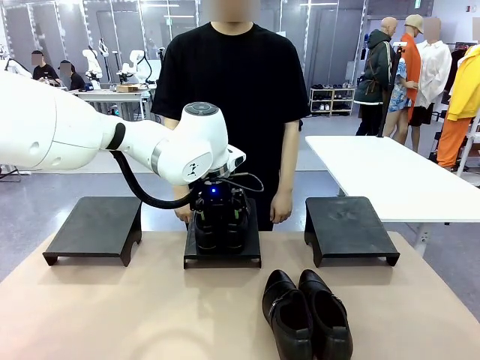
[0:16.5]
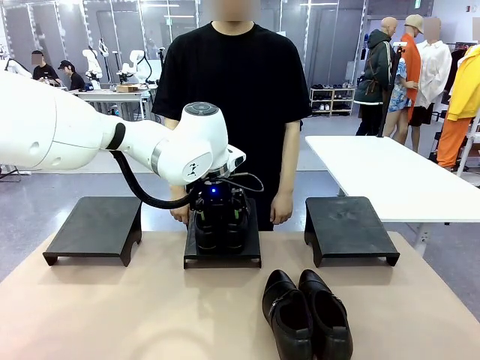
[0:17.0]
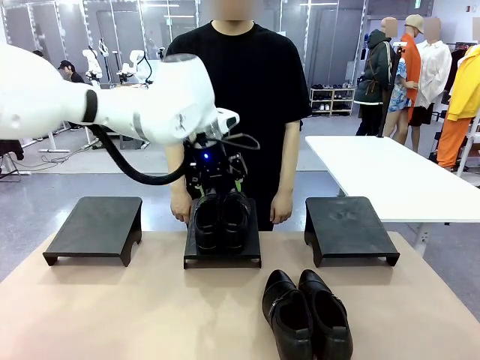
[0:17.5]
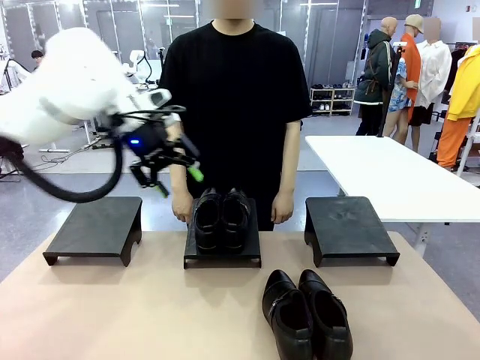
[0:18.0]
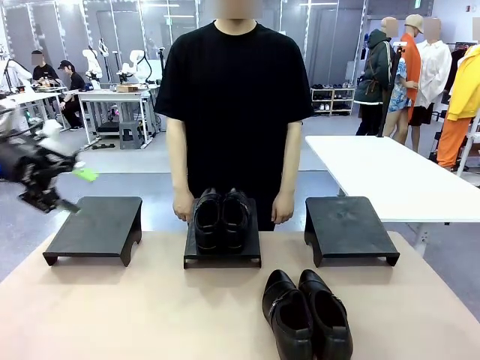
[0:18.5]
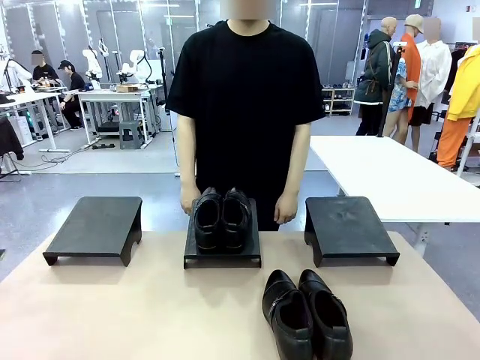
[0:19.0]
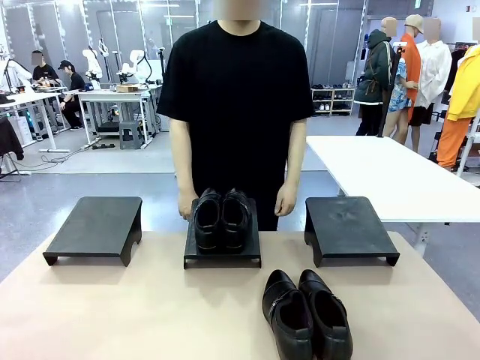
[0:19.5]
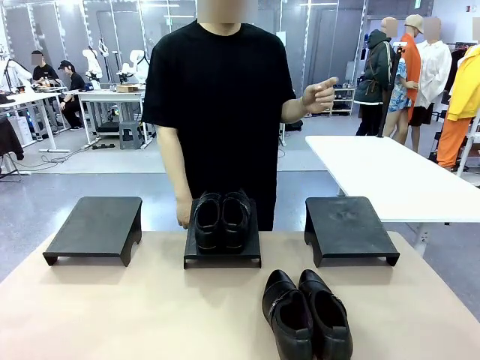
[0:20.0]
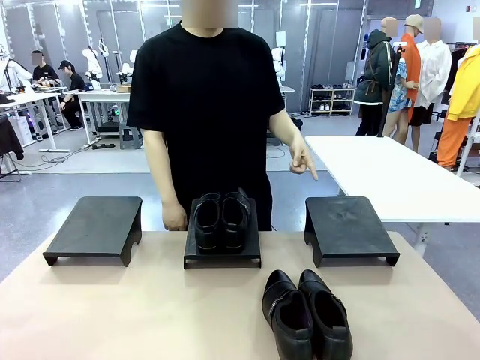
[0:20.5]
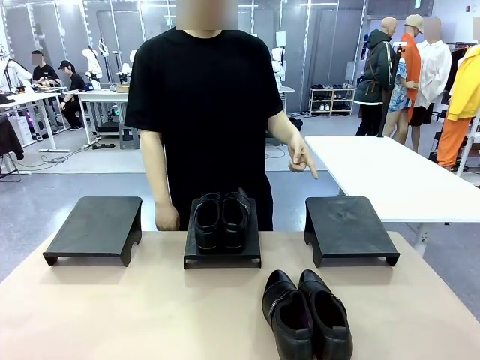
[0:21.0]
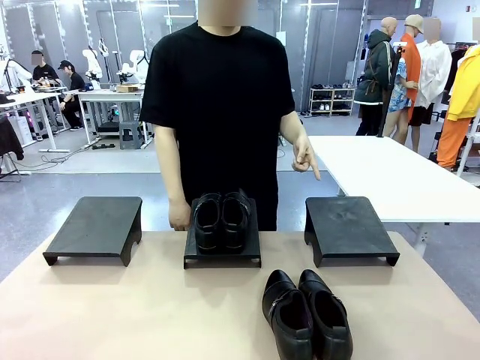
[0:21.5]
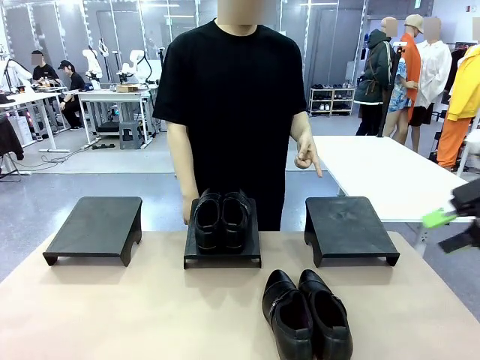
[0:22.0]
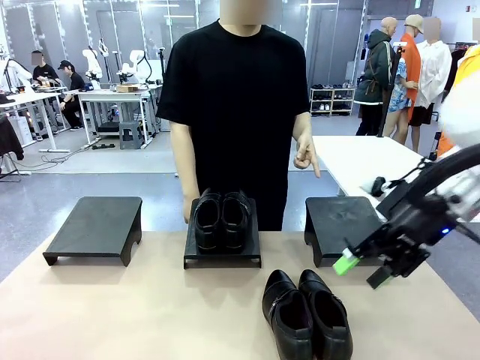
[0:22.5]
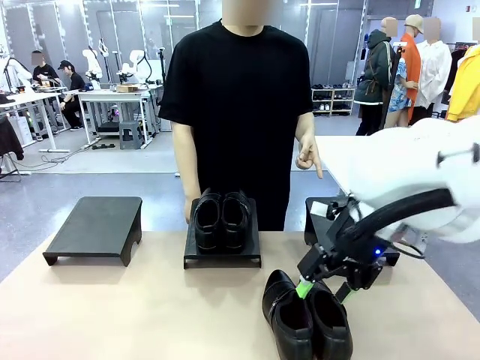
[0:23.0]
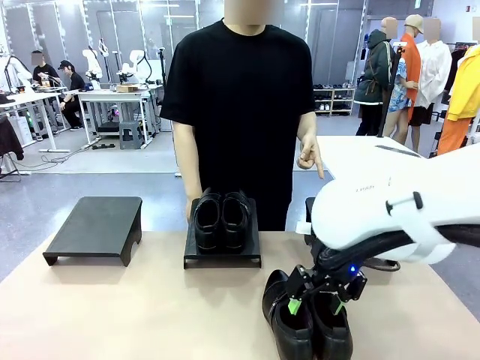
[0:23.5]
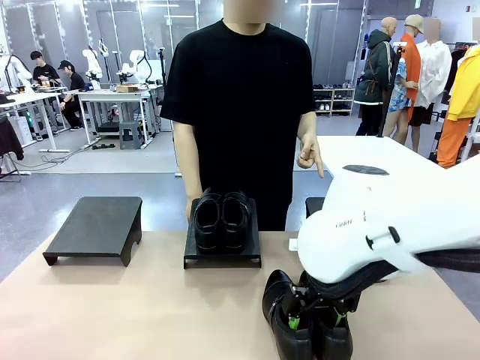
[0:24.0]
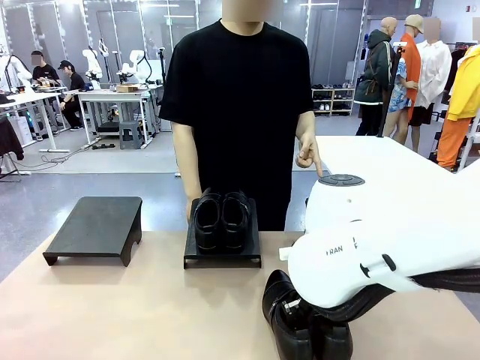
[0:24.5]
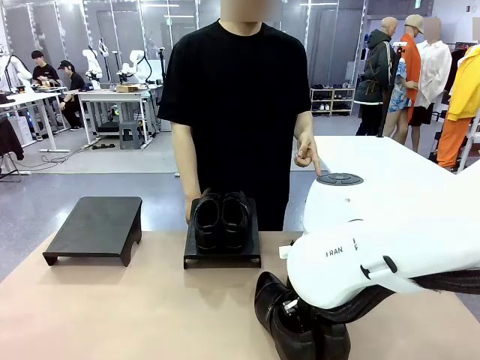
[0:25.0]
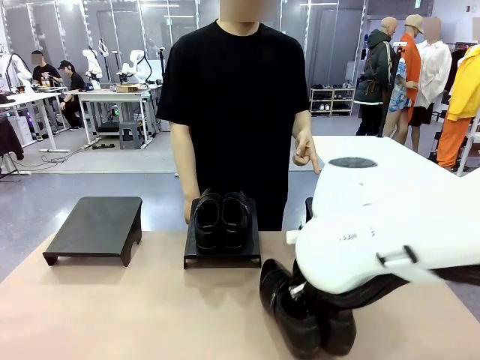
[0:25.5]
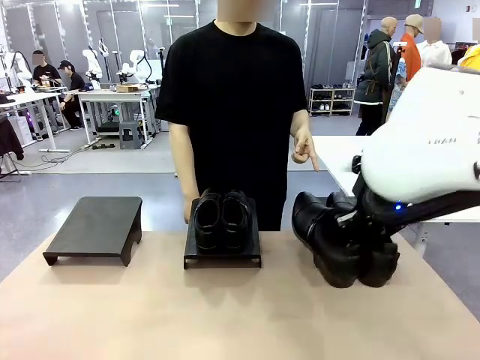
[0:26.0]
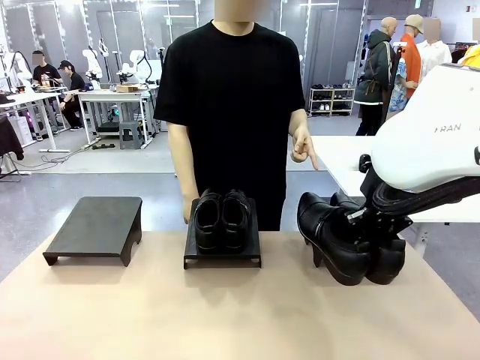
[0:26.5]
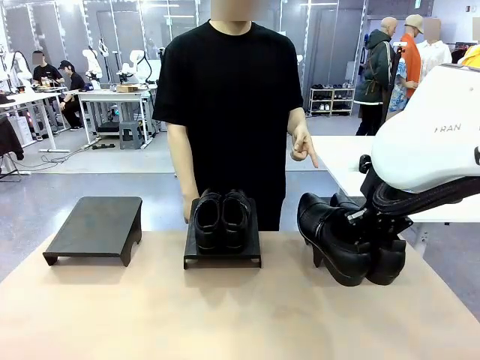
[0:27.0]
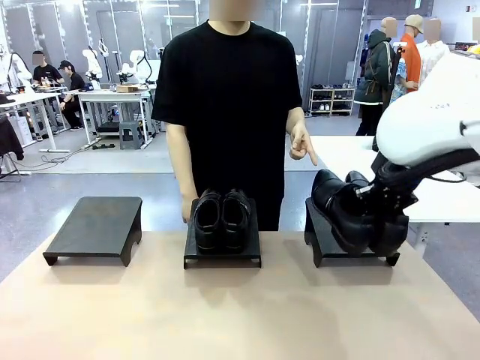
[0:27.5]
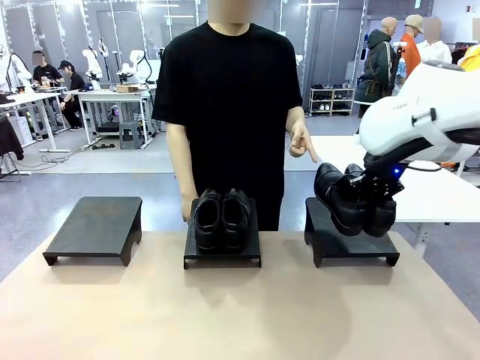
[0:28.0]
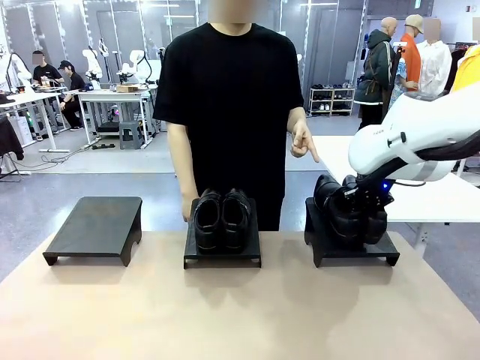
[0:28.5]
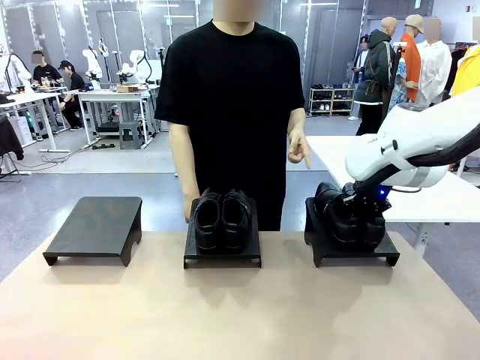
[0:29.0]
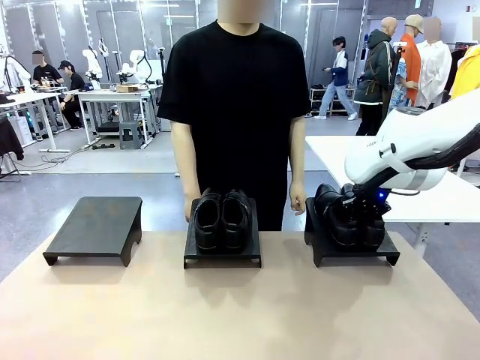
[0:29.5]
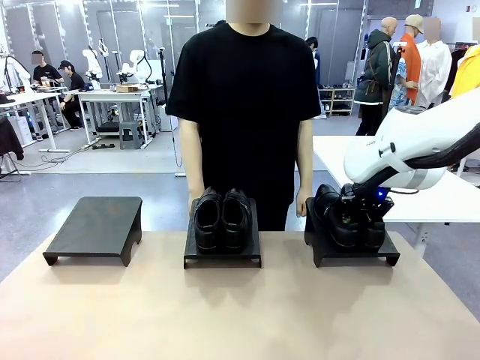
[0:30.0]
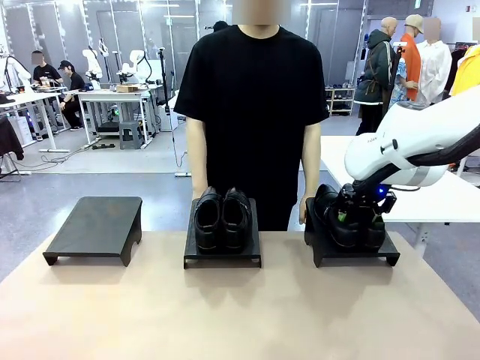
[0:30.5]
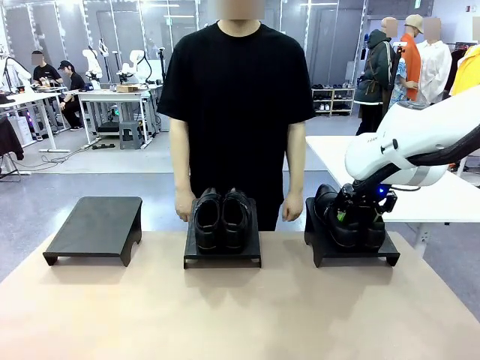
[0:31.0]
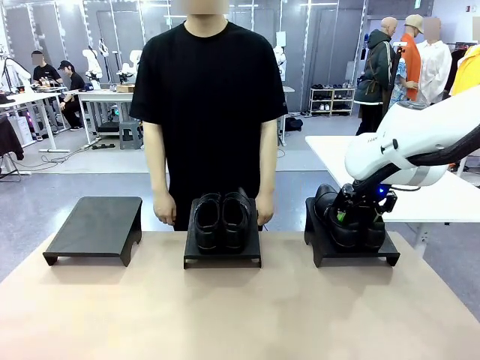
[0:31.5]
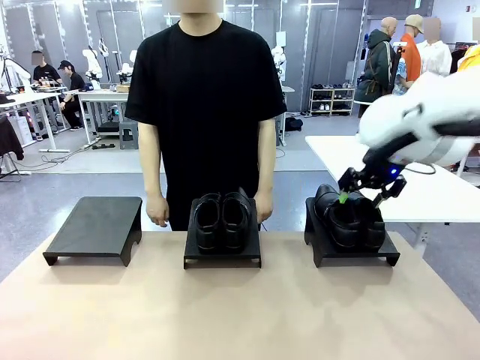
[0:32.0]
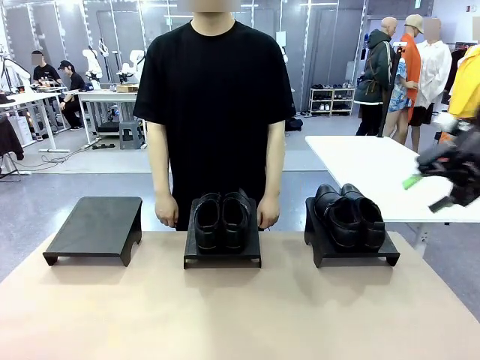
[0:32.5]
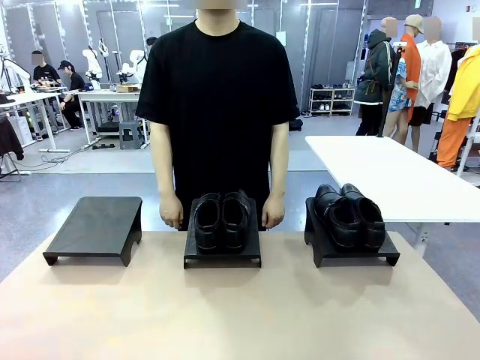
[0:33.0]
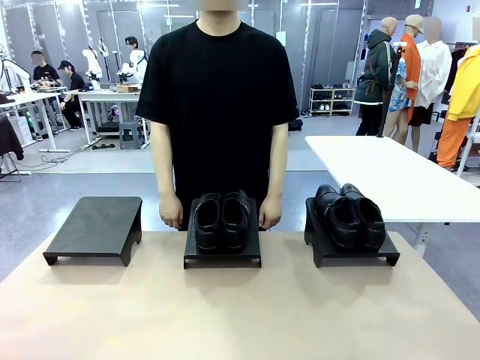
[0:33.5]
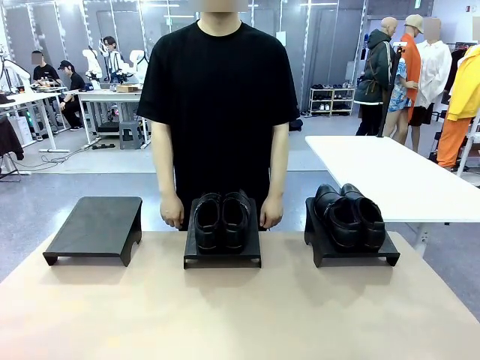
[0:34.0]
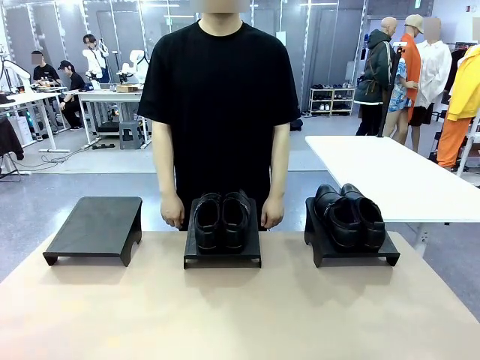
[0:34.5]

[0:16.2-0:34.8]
Task: Place the shoes on the stand as instructed by the person.
Robot: Pick up another pair of Shoes and place it on the Shoes Stand indicated by the person.
Person: Point to one Shoes Stand.

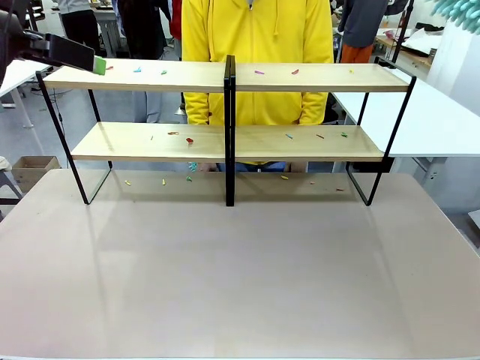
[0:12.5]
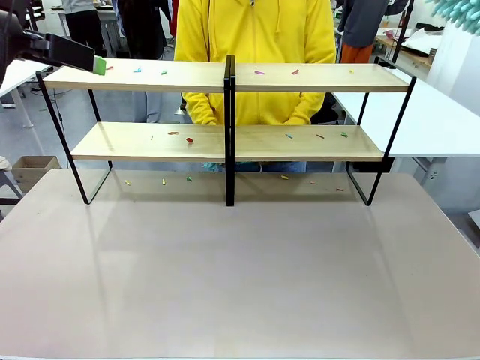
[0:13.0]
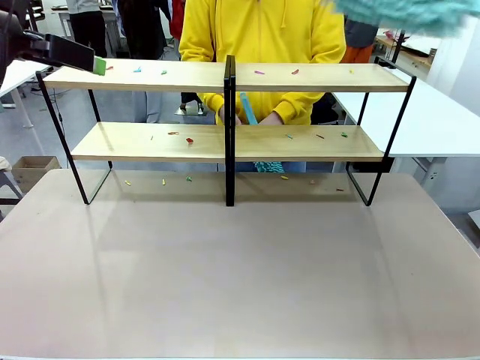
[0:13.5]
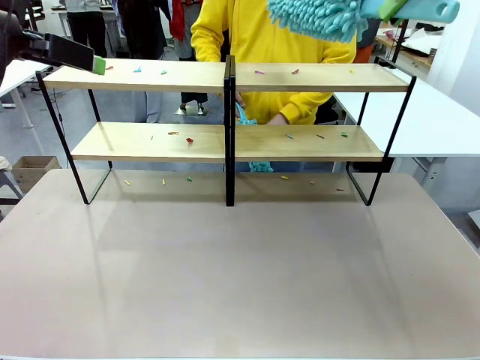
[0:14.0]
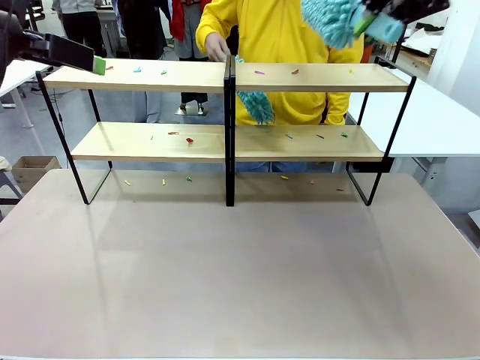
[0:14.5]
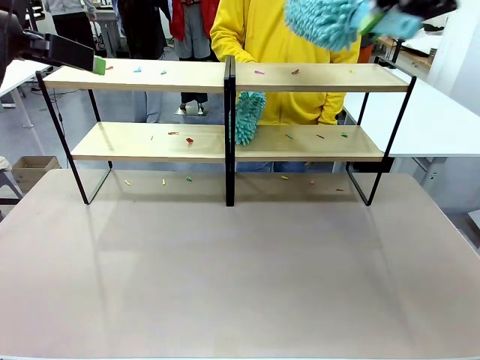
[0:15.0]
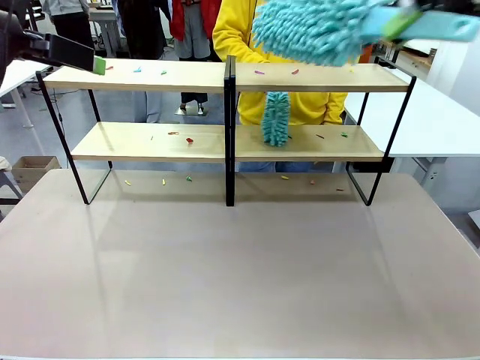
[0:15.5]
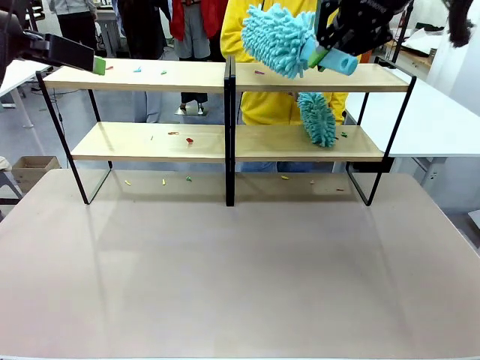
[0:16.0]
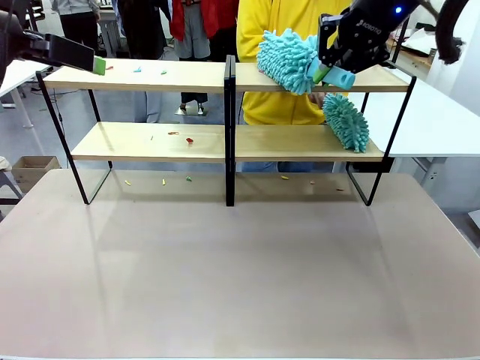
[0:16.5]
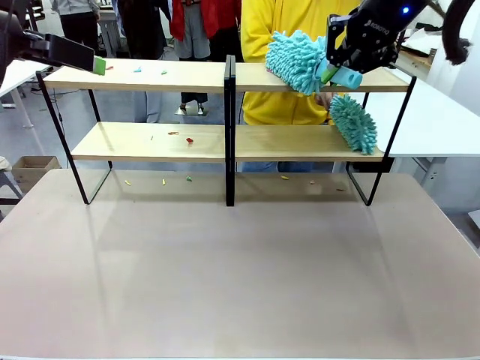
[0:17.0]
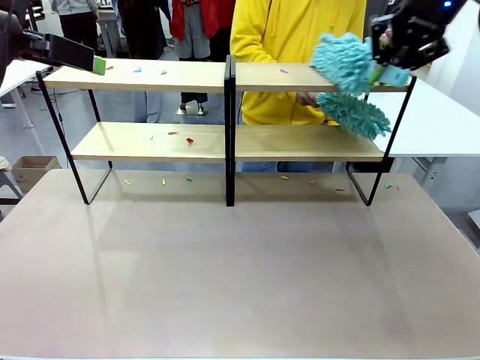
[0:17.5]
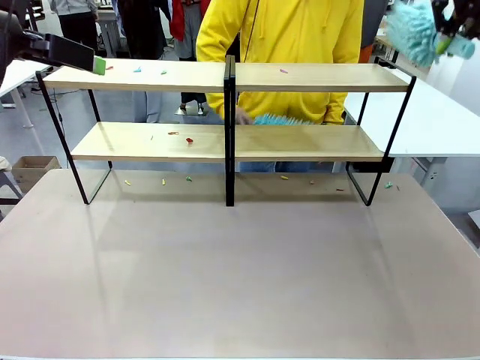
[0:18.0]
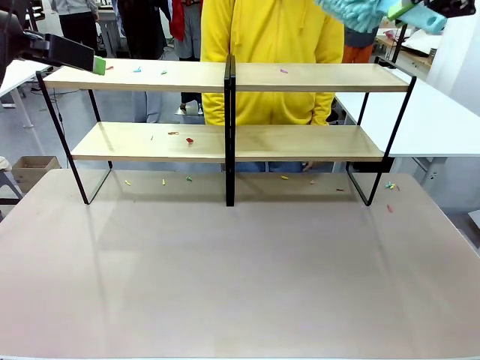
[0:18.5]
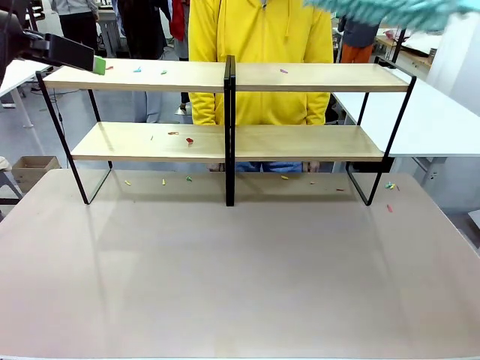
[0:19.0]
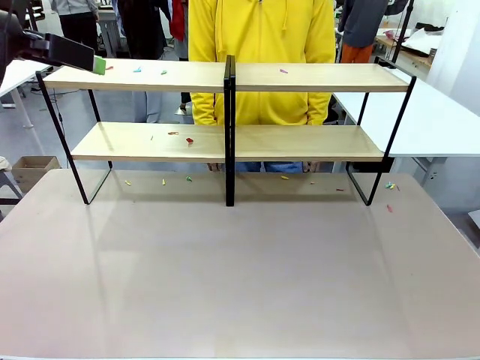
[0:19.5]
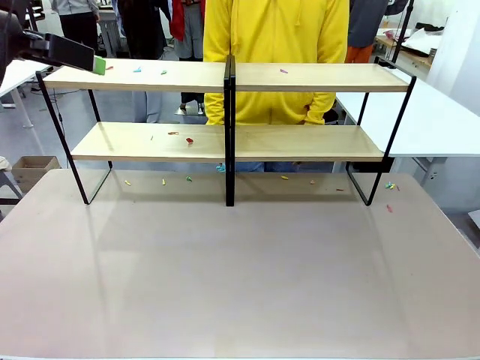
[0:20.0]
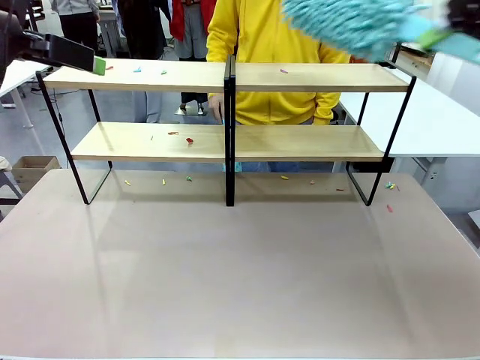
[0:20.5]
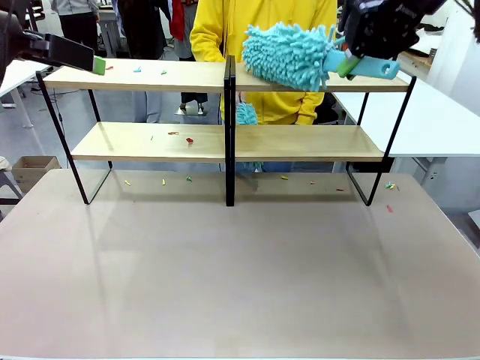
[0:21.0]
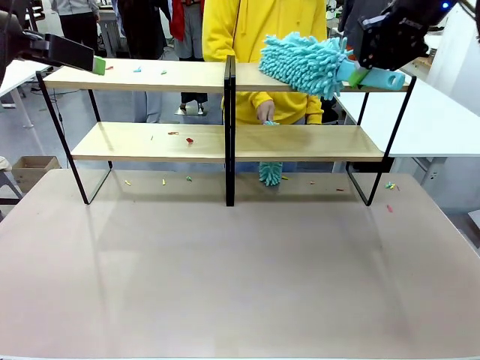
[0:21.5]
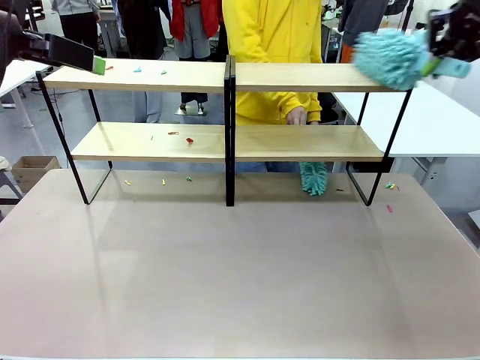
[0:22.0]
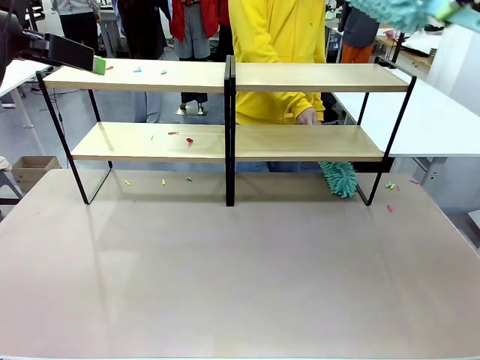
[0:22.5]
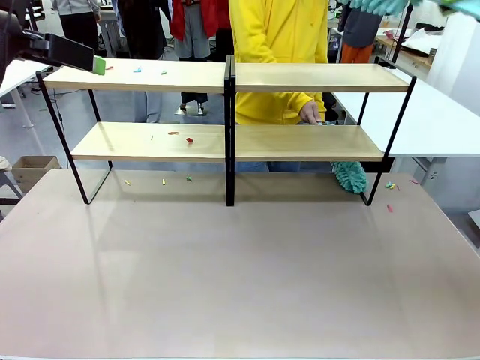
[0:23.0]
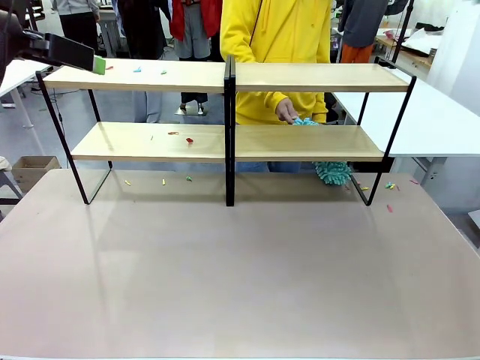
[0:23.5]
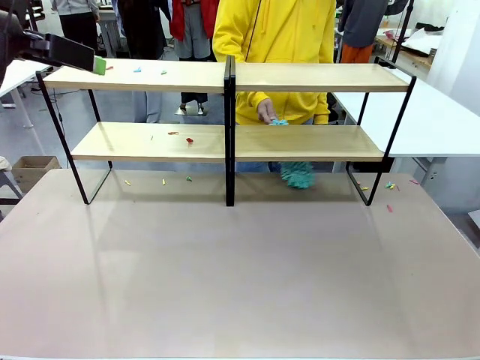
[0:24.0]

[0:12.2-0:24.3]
Task: Clean the shelves.
Robot: Clean a randomly selected level of the Shelf with the Duster.
